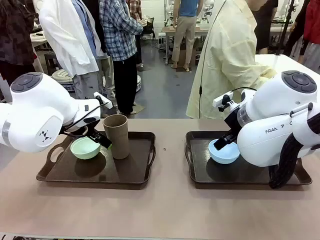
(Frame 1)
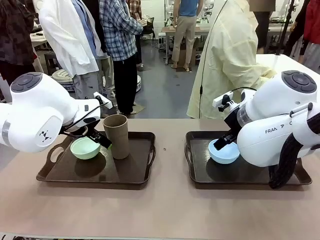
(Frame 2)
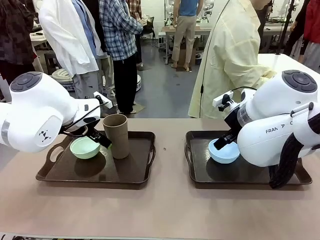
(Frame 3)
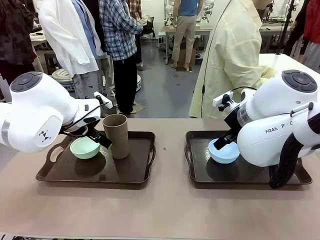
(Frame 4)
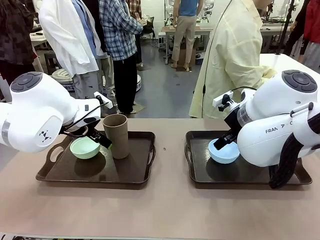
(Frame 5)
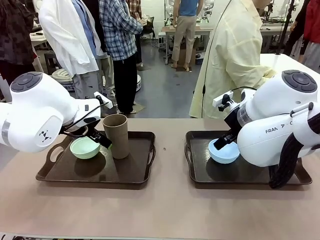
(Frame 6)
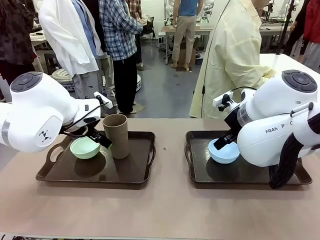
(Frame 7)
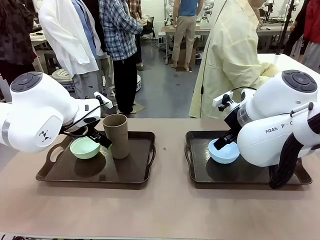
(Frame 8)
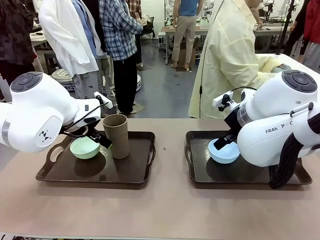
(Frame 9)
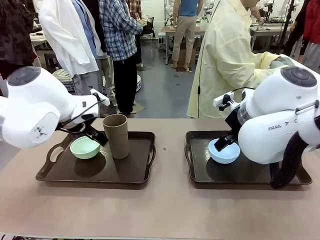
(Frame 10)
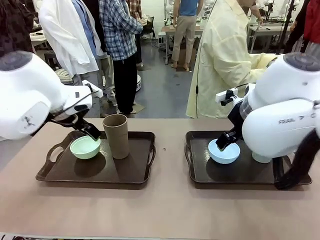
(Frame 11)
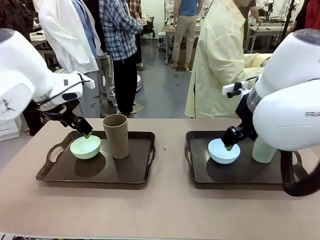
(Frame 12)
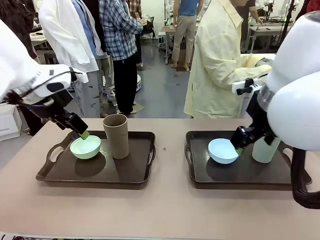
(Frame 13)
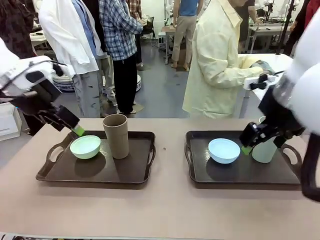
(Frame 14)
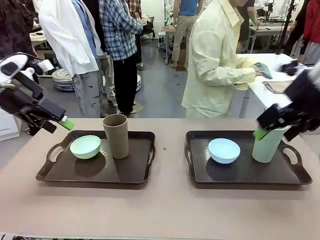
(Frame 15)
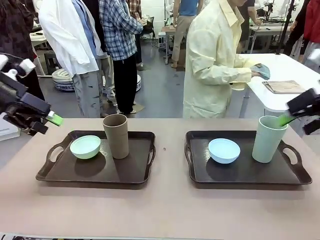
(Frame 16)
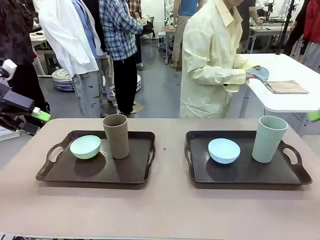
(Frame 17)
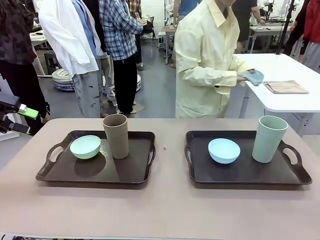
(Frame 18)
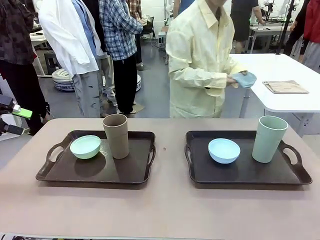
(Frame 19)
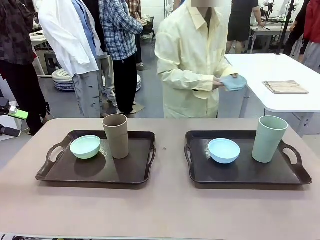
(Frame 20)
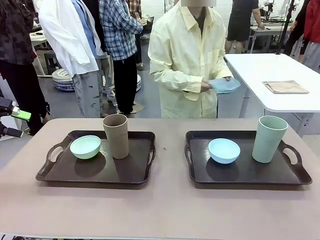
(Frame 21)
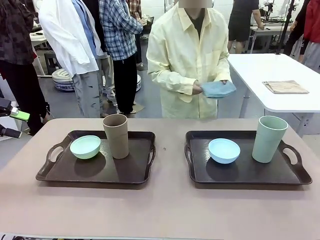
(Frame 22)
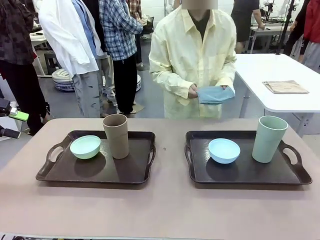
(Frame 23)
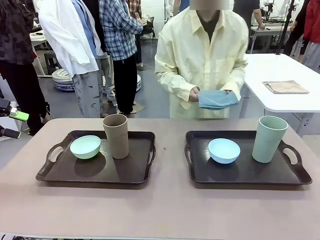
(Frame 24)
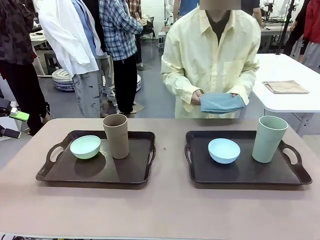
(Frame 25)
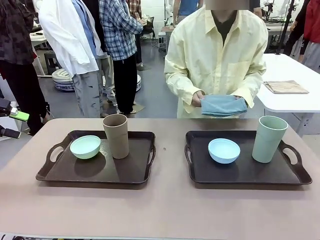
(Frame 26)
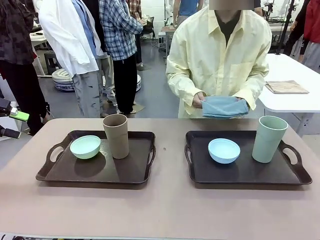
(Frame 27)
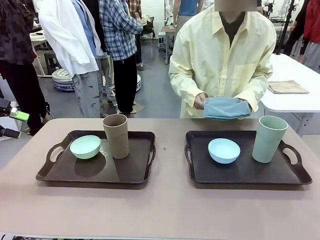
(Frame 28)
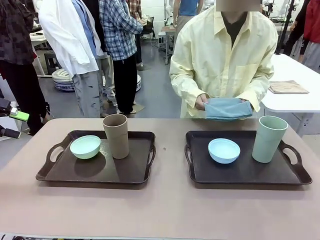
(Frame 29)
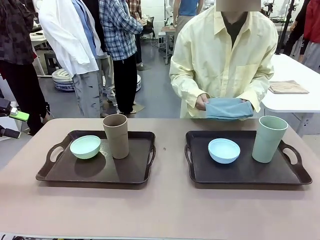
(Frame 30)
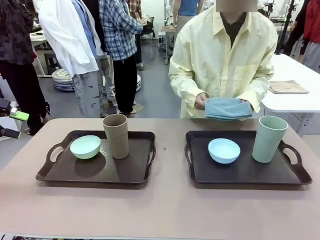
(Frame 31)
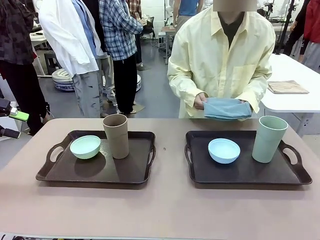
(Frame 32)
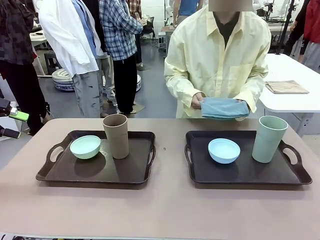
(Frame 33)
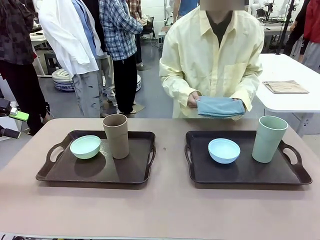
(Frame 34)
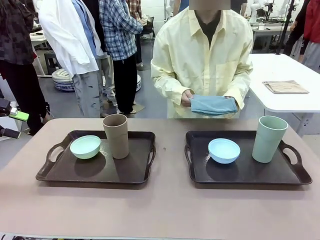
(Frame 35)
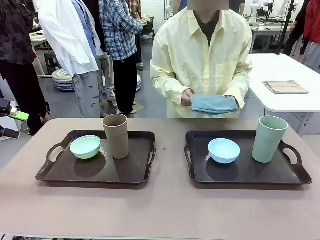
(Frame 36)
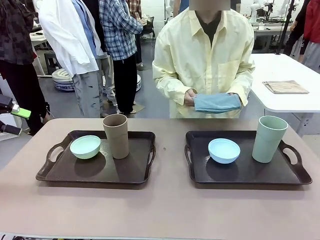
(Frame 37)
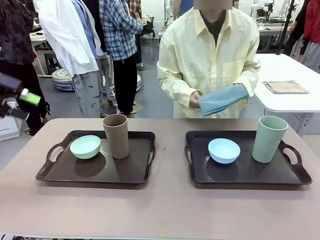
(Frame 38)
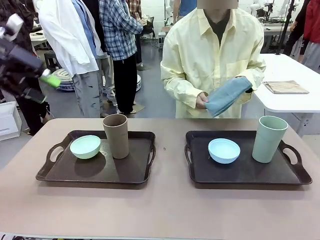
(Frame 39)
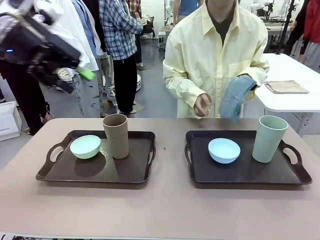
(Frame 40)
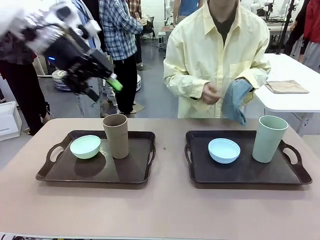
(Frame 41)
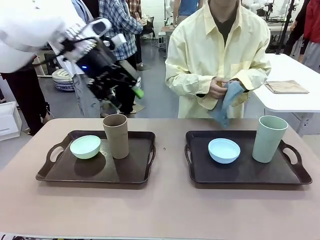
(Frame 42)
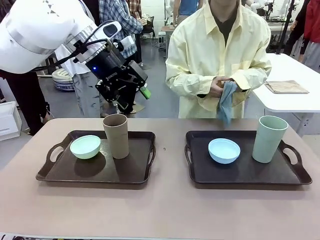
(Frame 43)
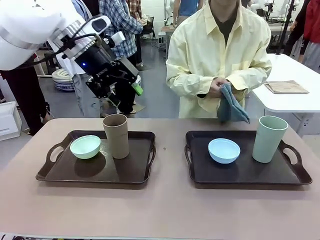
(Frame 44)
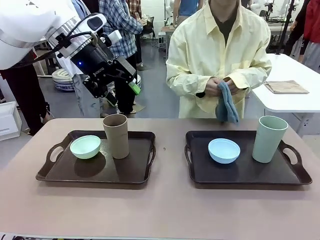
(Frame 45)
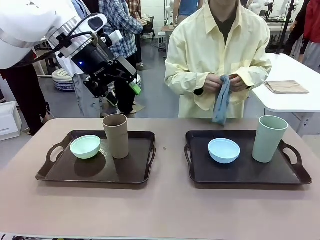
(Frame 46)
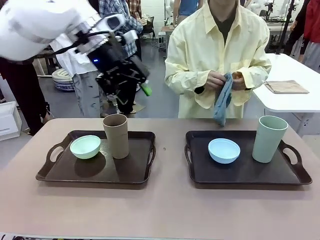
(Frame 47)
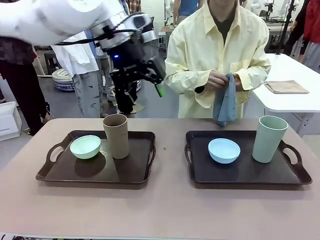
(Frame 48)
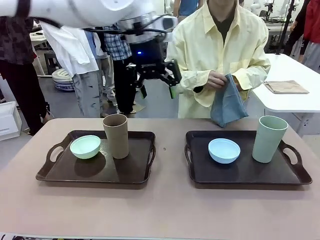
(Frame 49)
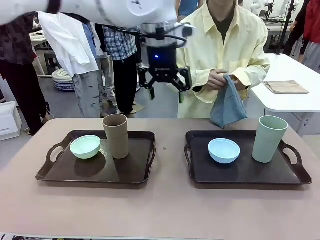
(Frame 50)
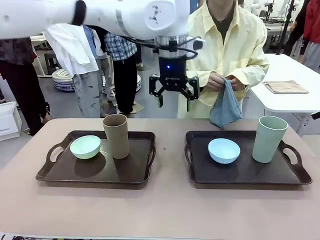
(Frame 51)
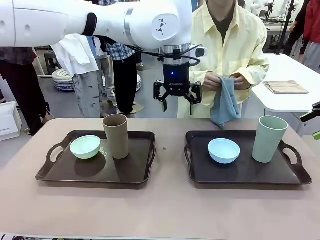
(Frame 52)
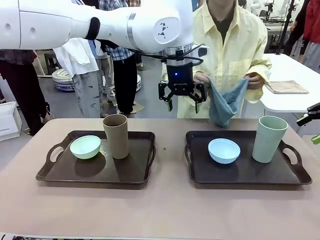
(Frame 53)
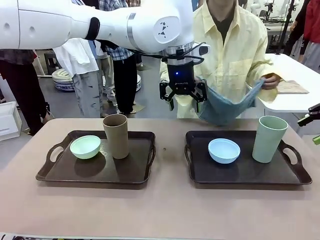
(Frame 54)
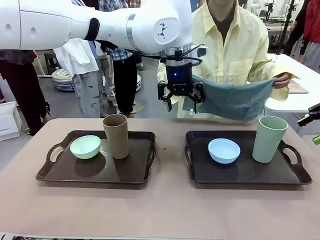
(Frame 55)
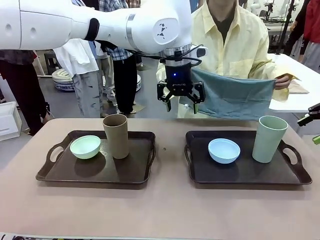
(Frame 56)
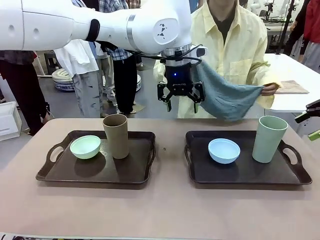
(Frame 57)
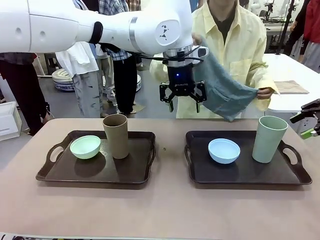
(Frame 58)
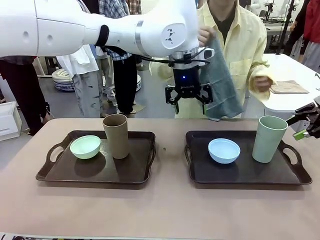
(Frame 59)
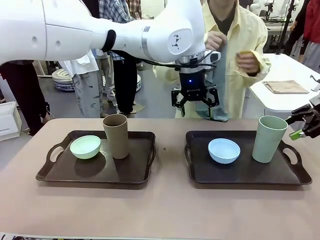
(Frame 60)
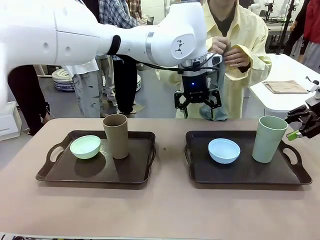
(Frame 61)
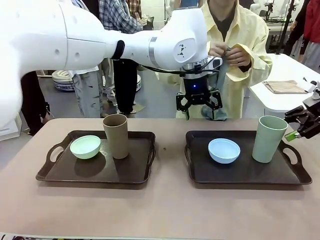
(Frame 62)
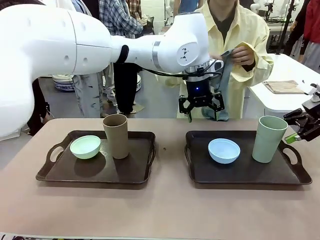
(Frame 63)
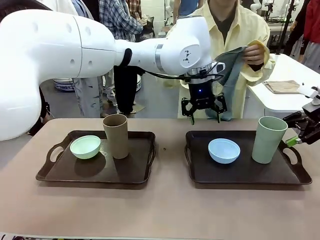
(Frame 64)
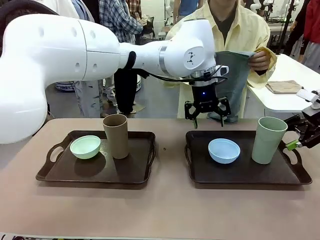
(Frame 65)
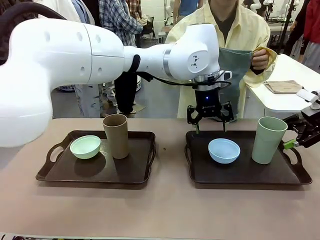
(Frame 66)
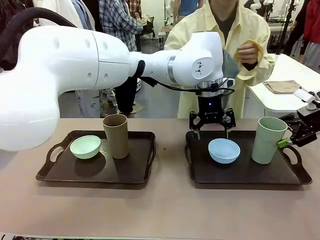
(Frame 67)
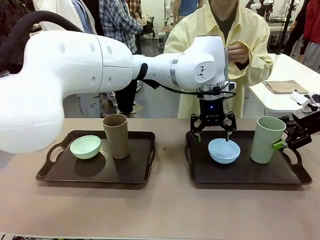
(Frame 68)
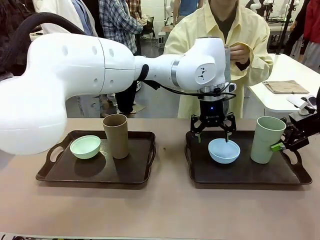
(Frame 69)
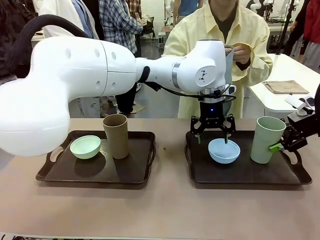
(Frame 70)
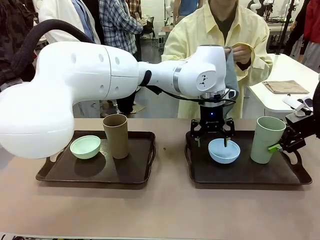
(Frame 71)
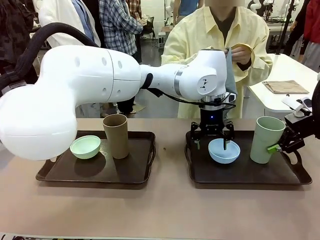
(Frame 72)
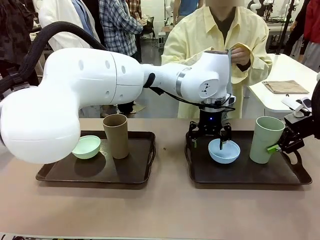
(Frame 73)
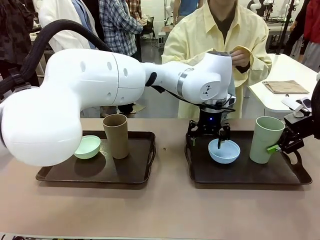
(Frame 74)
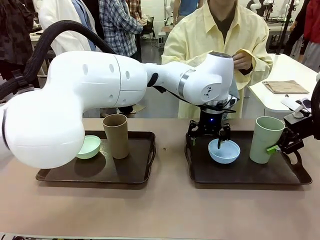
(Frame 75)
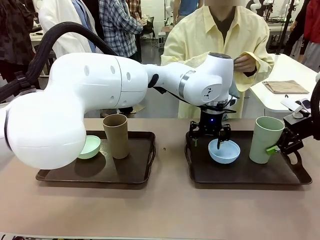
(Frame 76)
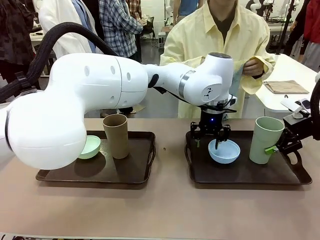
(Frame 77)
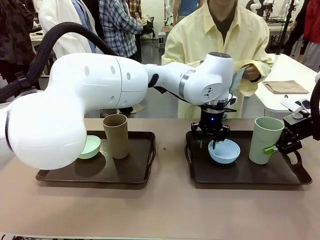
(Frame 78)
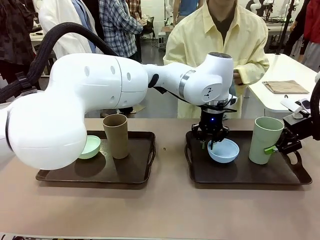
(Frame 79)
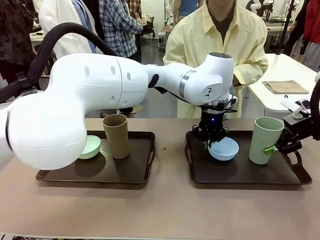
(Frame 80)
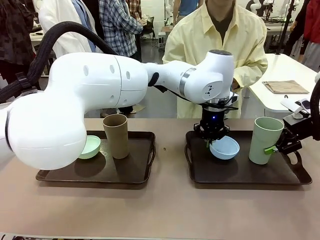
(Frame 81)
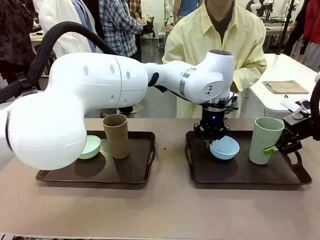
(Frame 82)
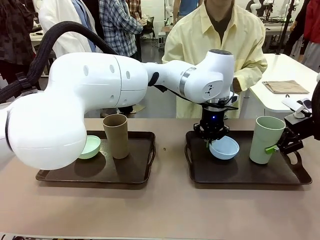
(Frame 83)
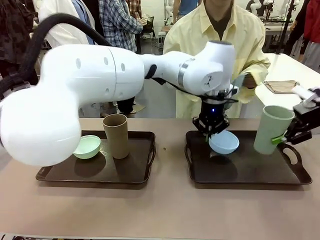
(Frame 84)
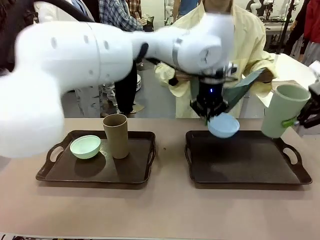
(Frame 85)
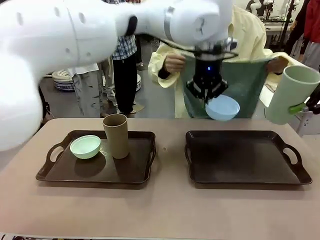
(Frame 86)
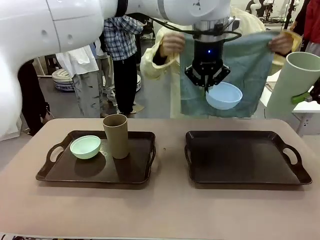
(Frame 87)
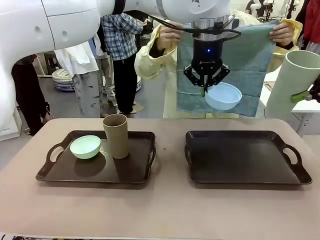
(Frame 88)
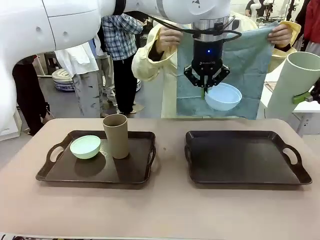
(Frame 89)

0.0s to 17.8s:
Robot: Pick up the Picnic Bowl and Reusable plastic cup from the Handle tray in front of the human's position and hold them in the air.
Person: The human picks up the top napkin from the stack on the human table and walks to the robot table to stand in front of one of the two trays. When the robot lifts the bowl and the cup, the human unfolds the napkin and lays the napkin flat on the tray.
